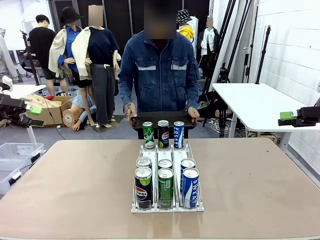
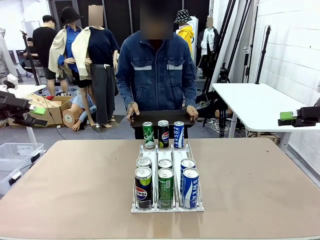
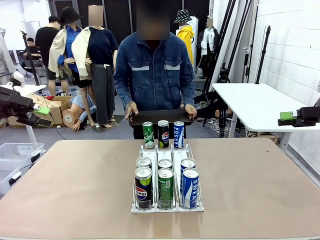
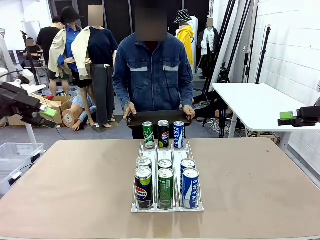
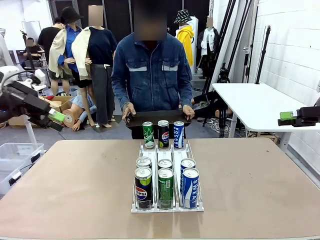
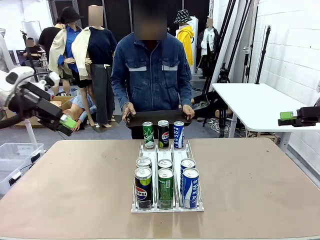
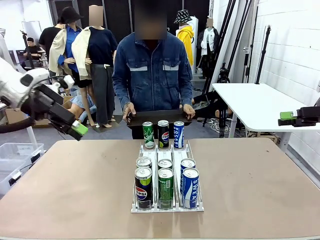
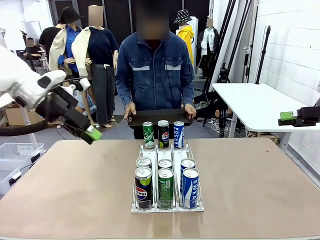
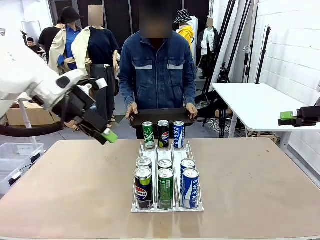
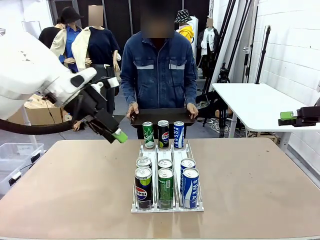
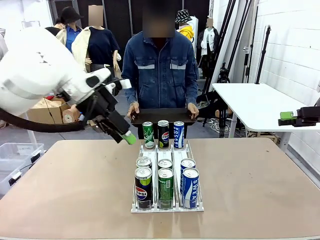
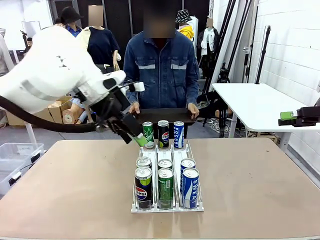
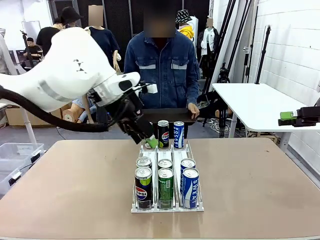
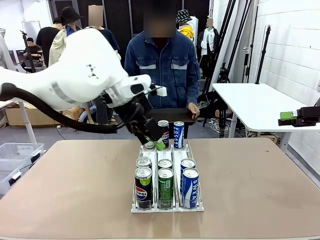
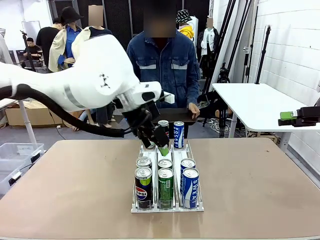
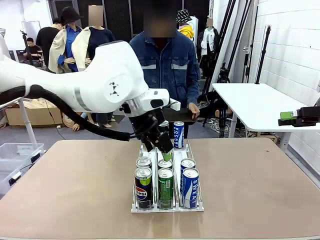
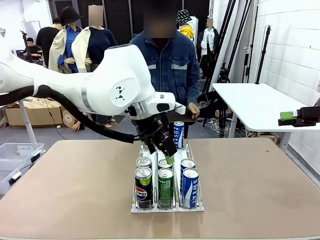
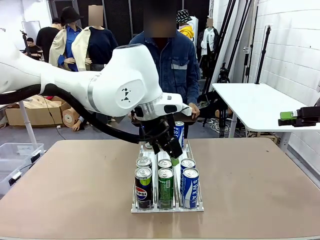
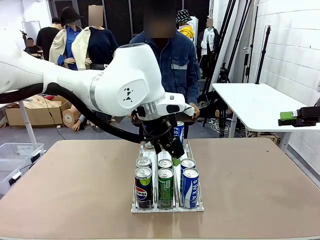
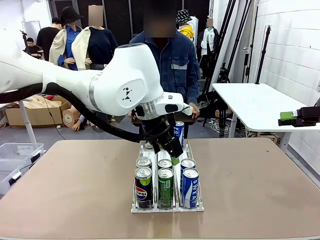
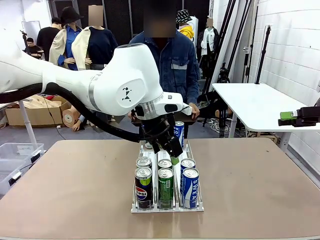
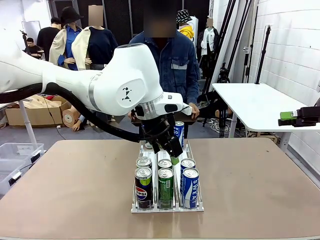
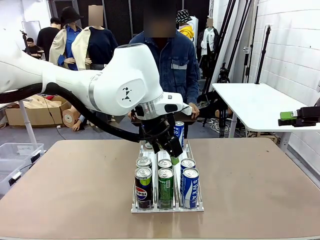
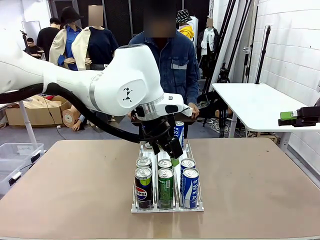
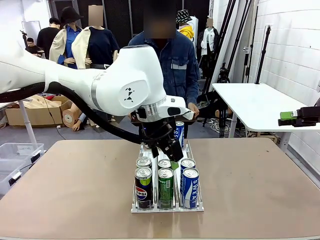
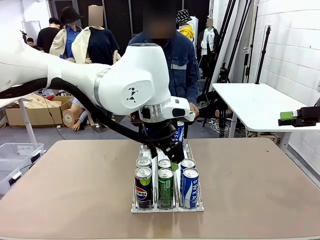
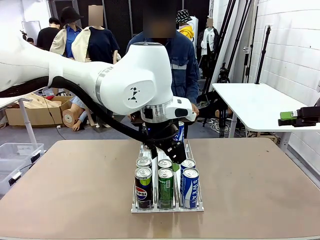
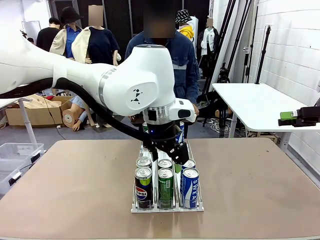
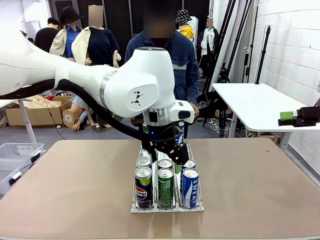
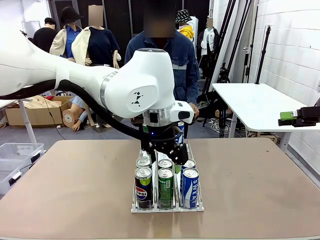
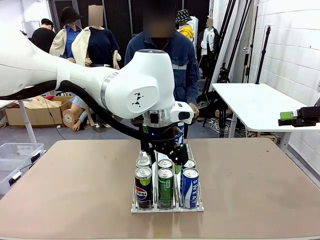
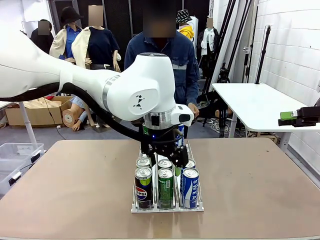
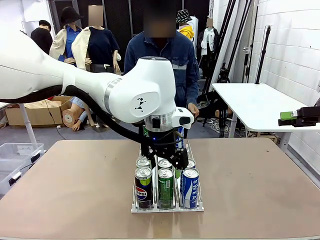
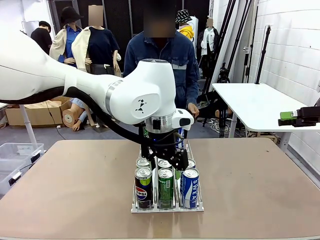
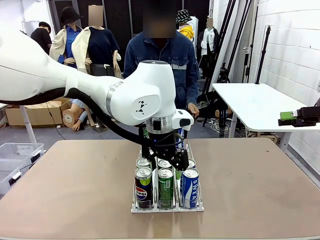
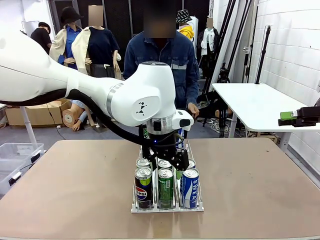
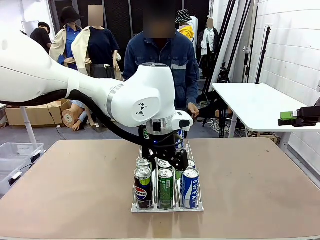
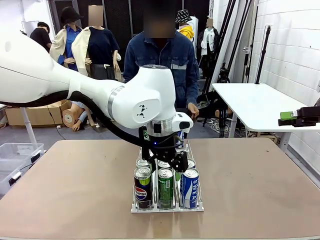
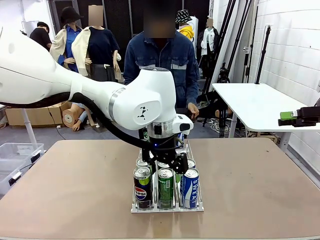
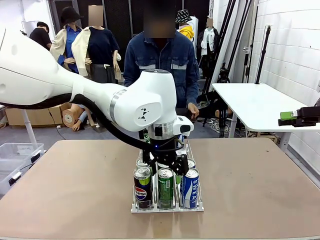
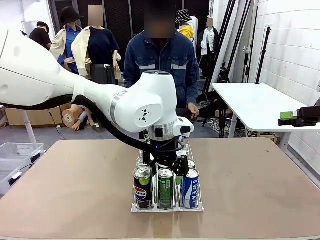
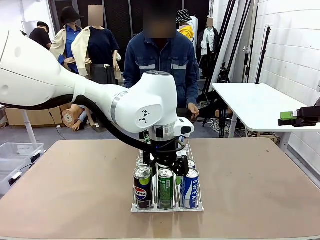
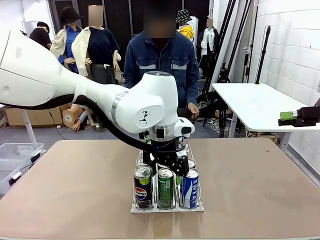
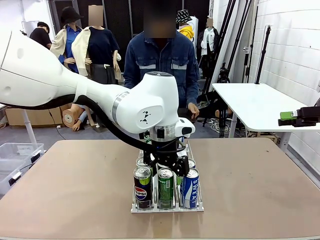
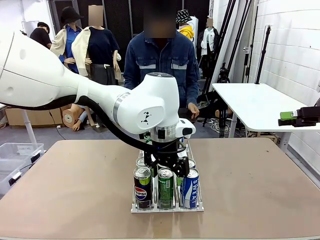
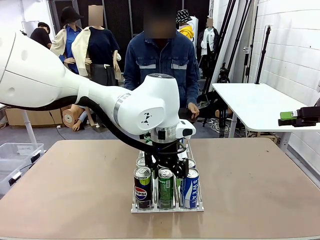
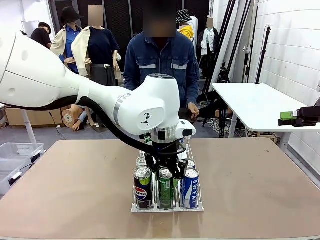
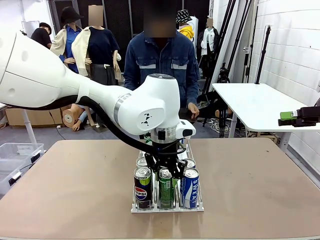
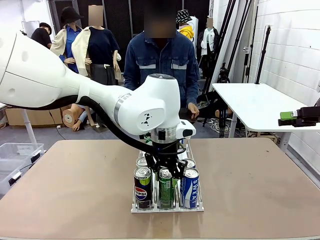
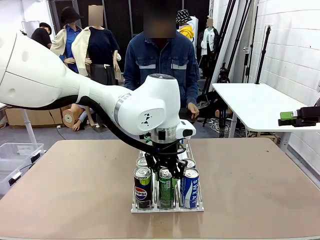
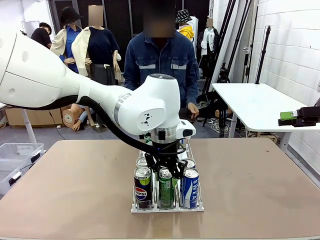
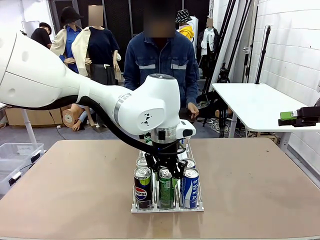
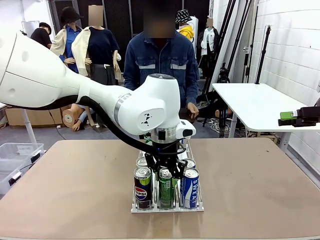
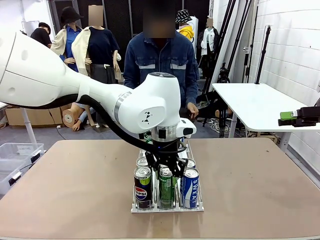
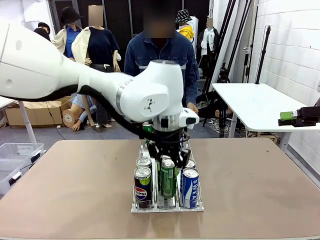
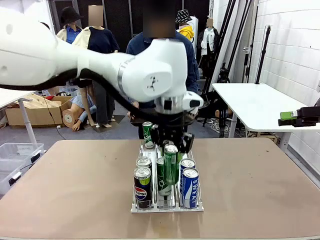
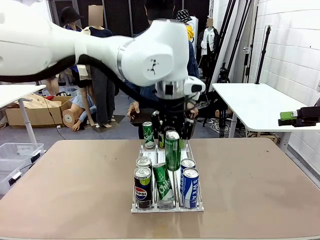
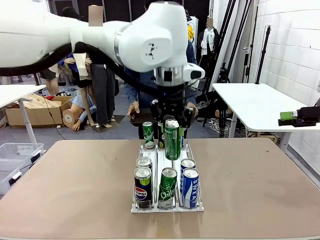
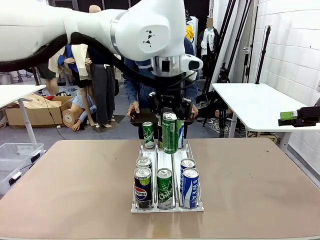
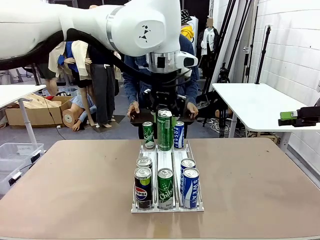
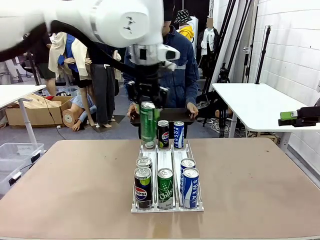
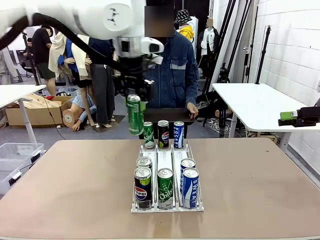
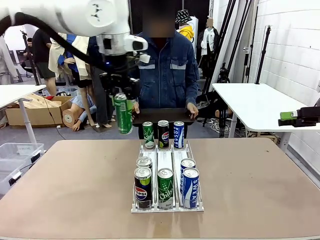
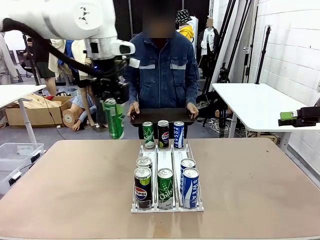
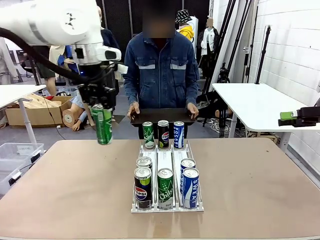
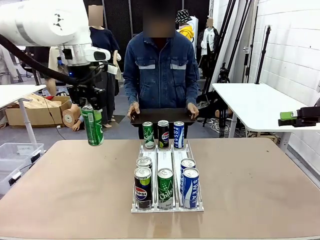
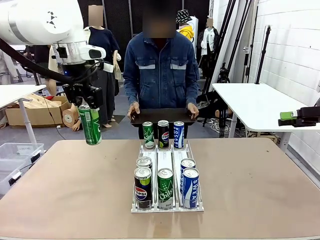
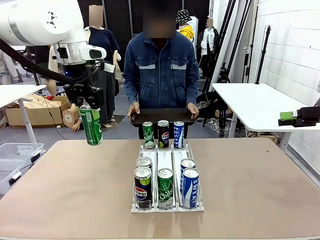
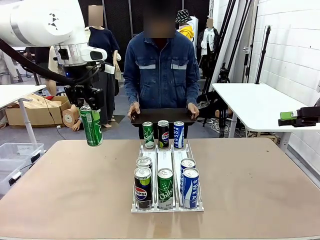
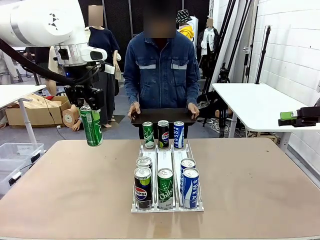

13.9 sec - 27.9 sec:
Task: Retrieve and hand over the desired beverage to the person.
Robot: Pick up a can of the same type that the person held from the Automatic Can Dispenser.
Person: Push the tray toward the robot.

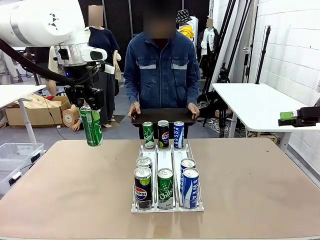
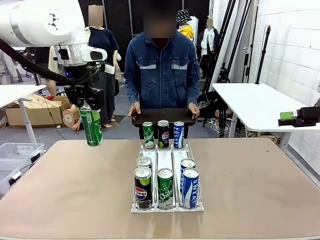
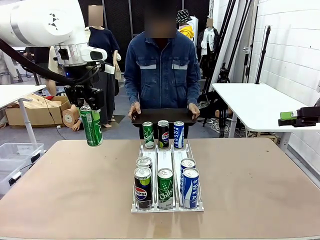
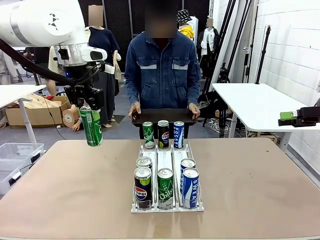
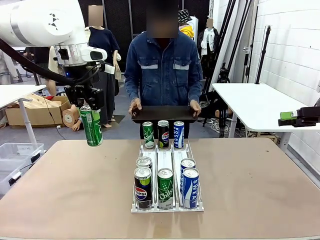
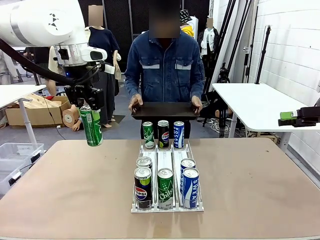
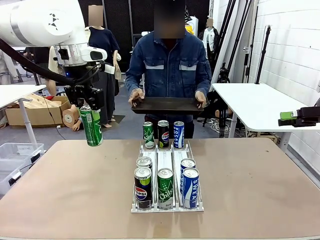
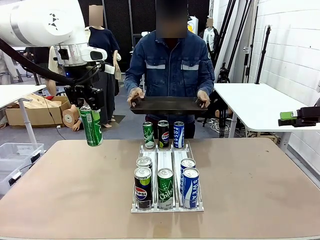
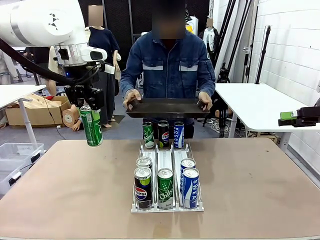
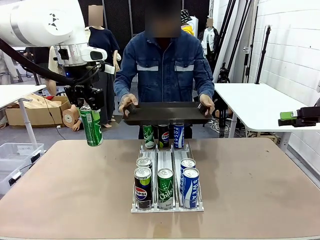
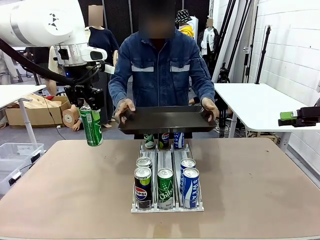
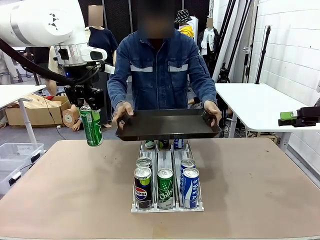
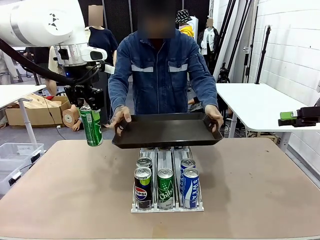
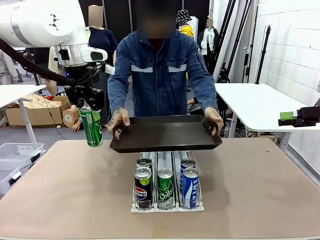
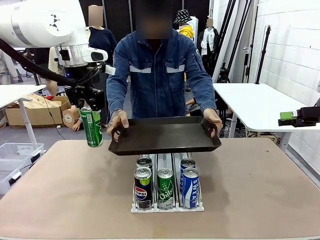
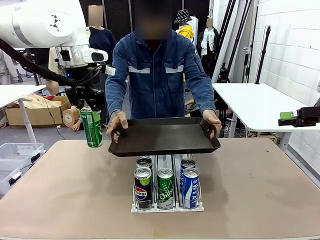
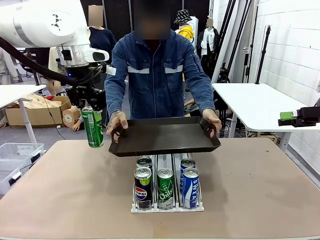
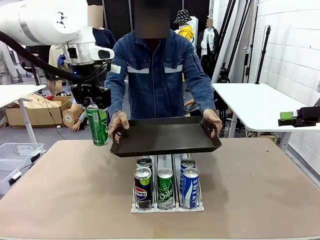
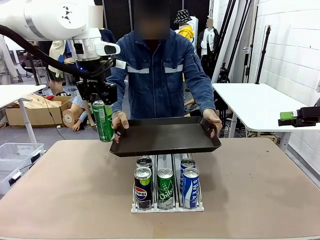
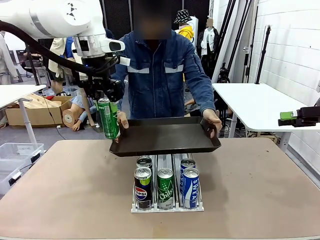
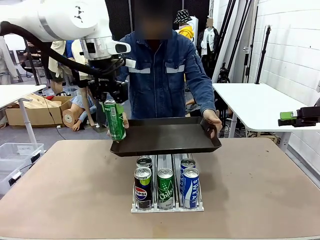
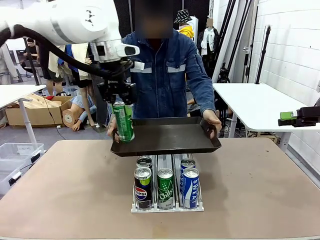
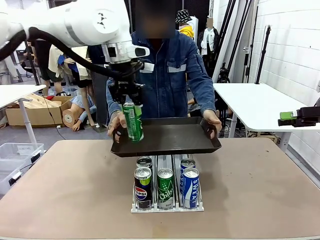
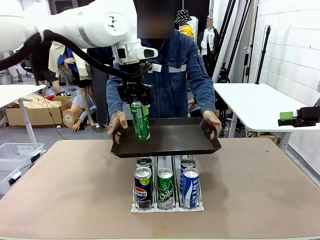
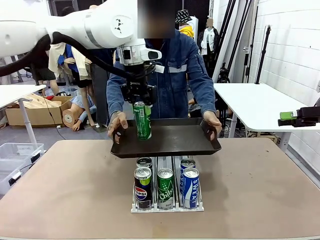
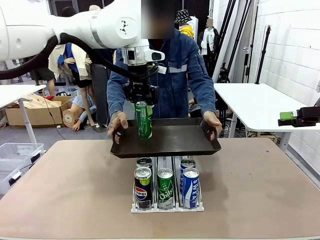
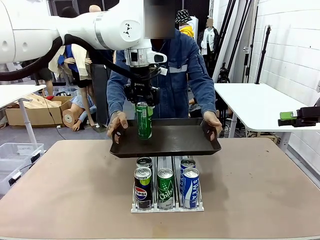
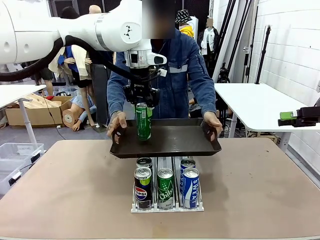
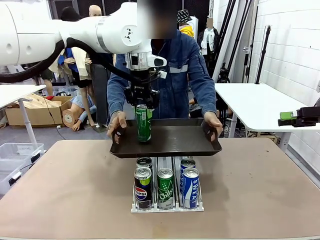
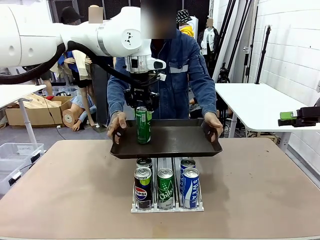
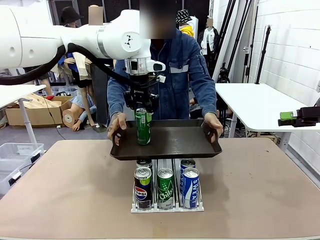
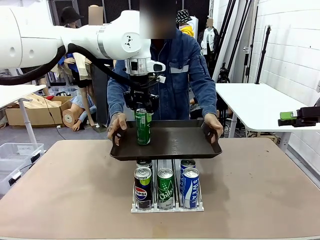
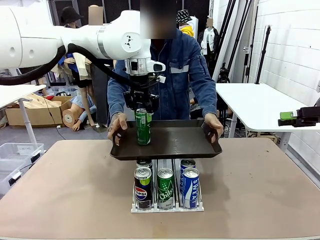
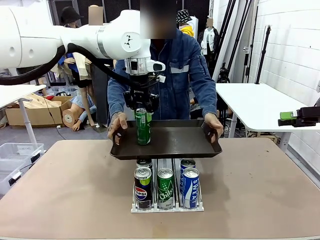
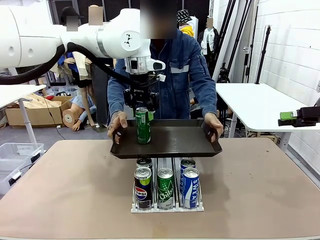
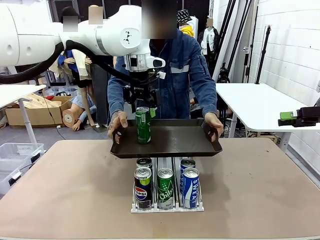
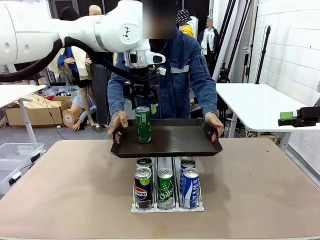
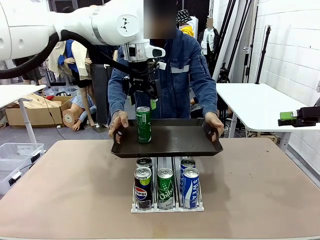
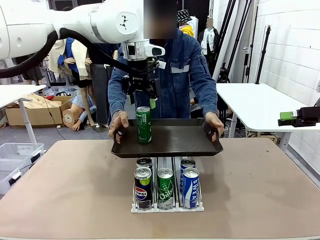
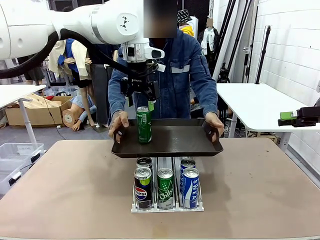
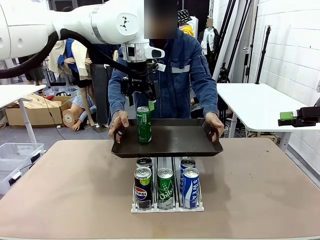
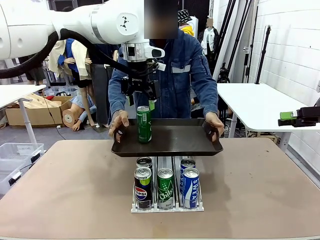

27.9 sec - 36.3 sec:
Robot: Place the picked can on the Handle tray extended by the person.
